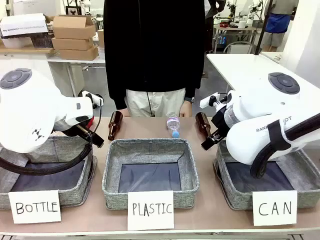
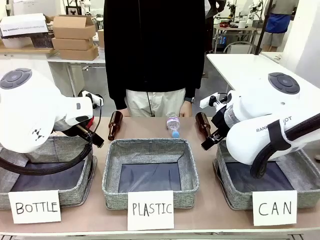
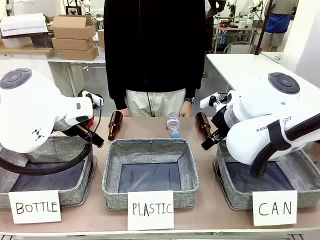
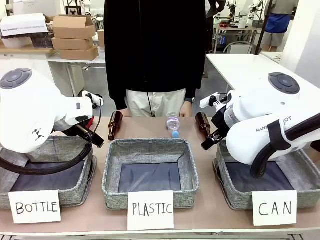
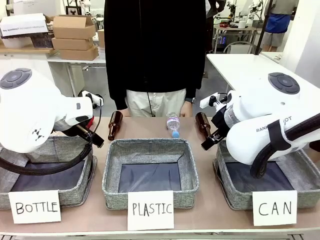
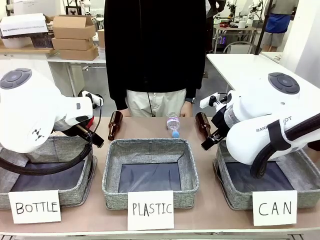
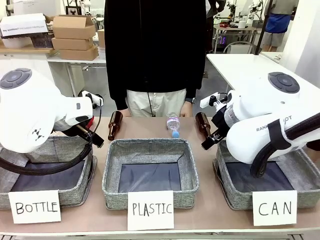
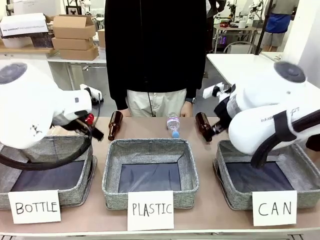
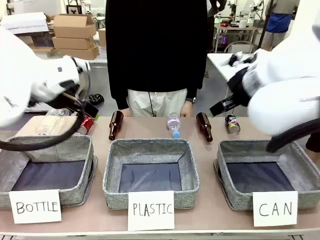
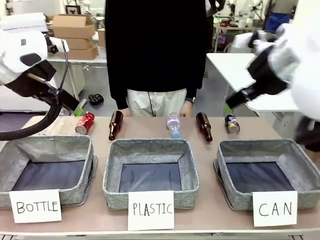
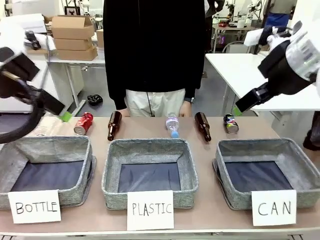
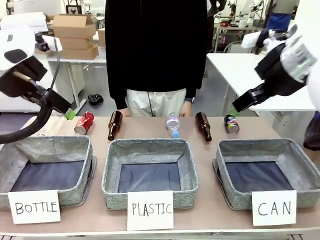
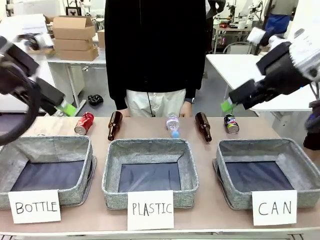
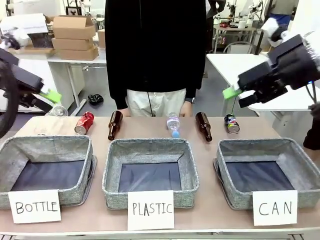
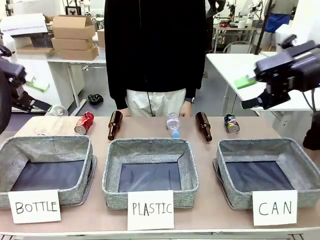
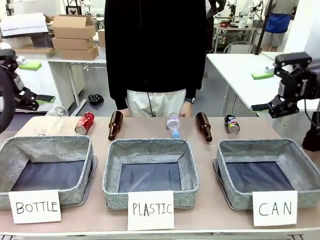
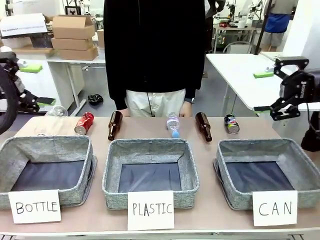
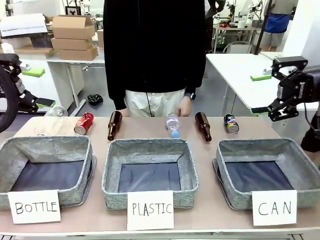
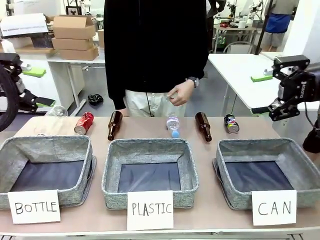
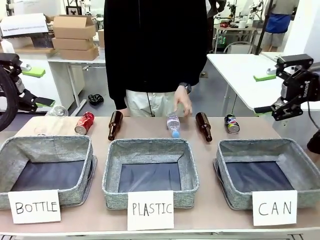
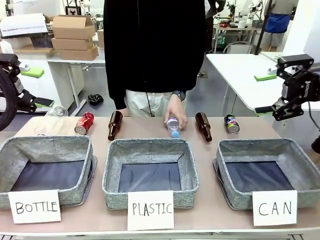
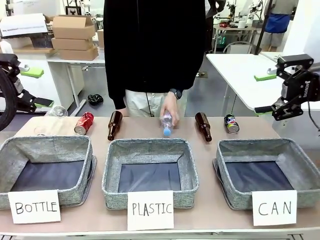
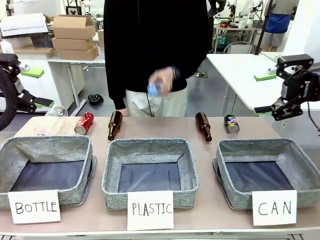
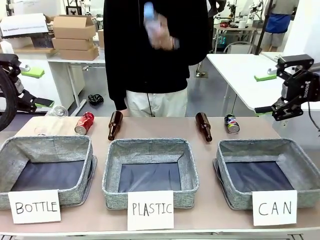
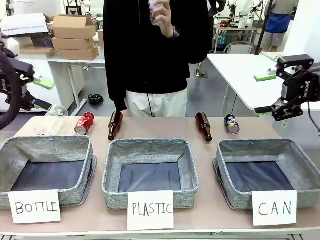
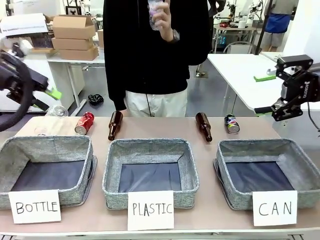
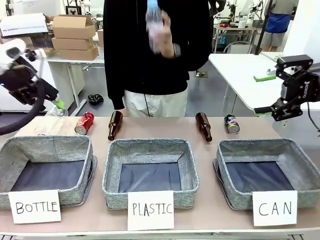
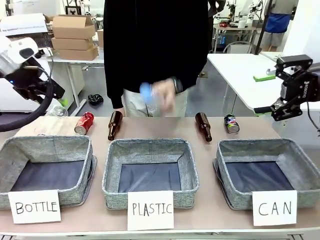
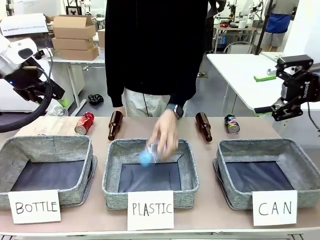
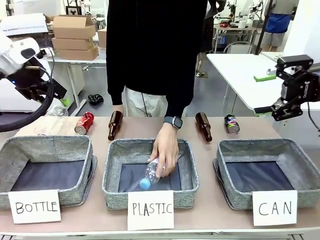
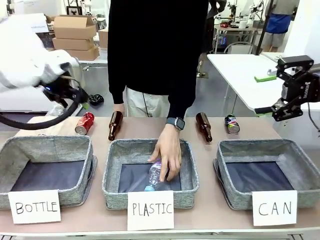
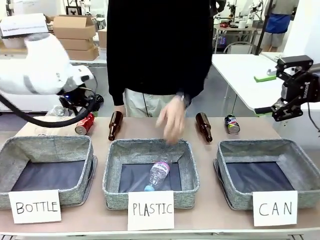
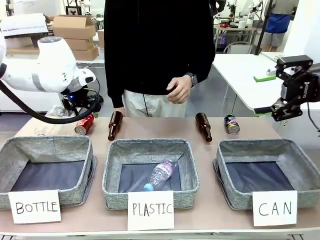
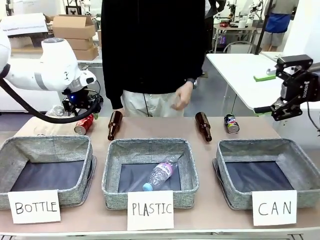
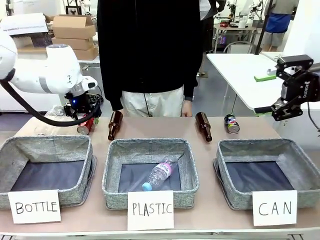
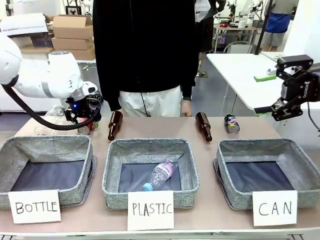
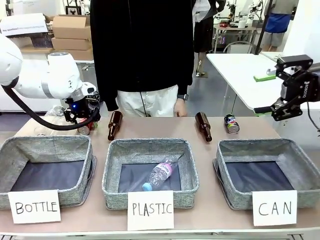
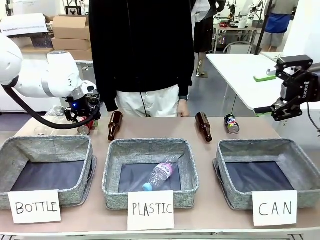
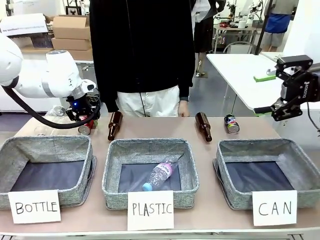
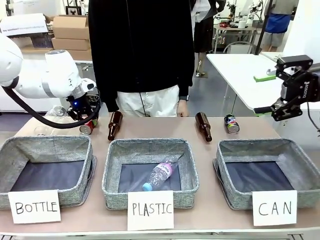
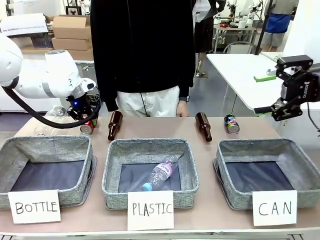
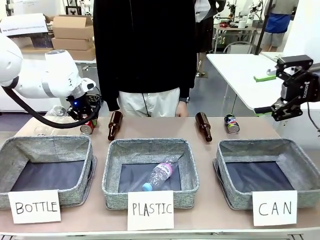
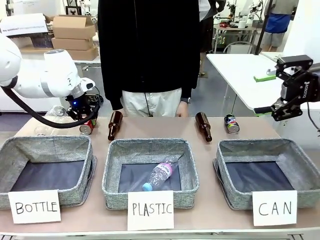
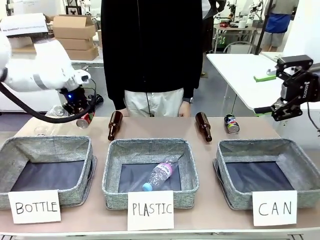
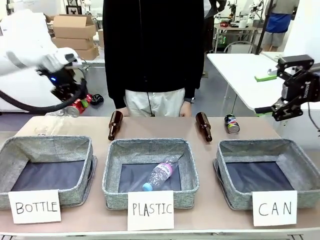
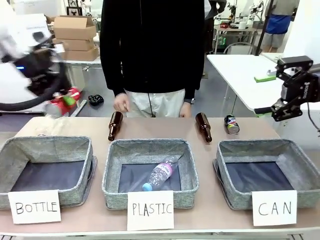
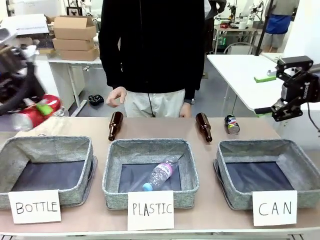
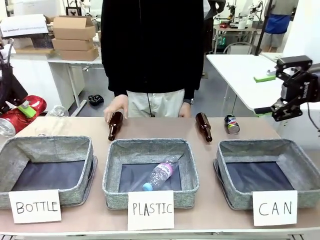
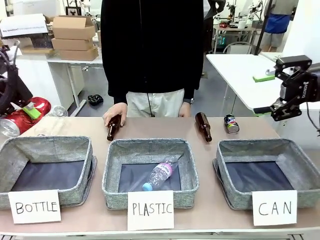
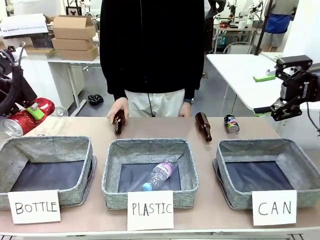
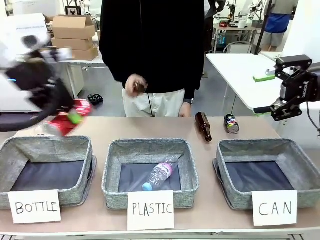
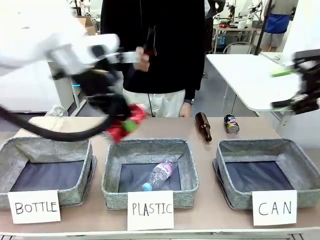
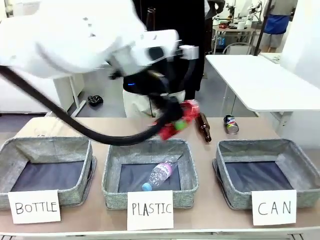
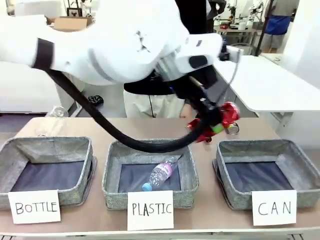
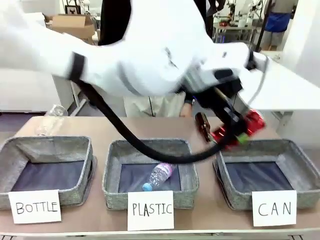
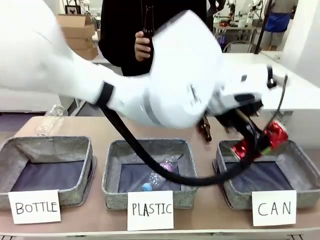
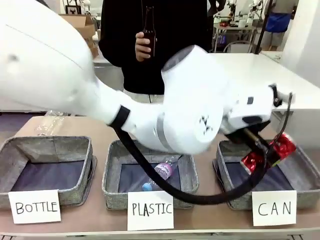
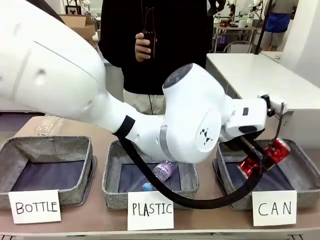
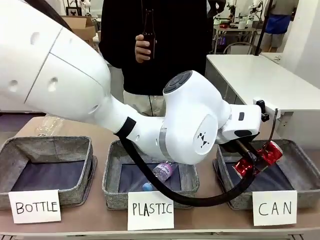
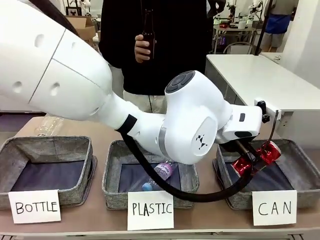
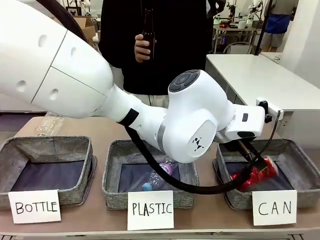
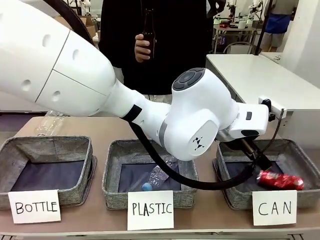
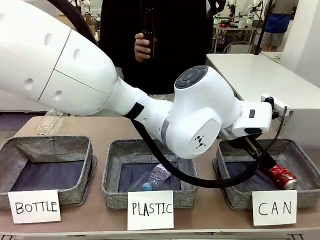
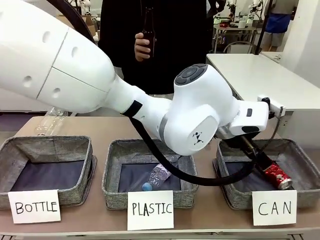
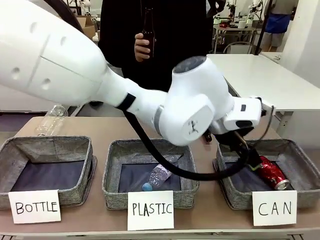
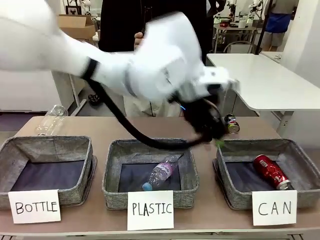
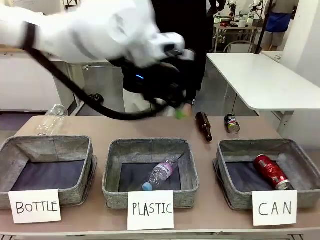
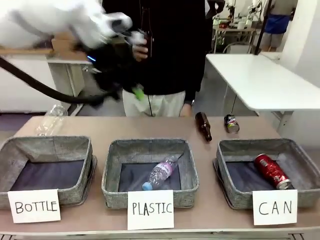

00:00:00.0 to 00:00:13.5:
Task: Sort the can waste into the basket.
Robot: Pick up the can waste from the table and place it in the right Fabric basket.
